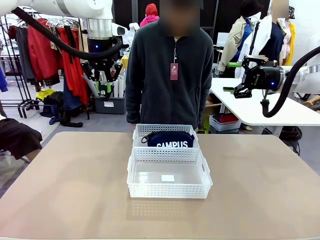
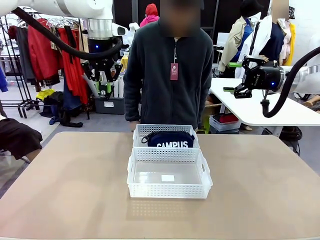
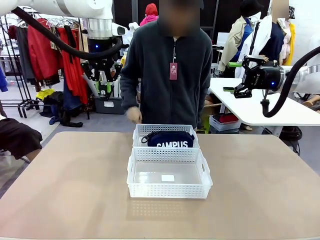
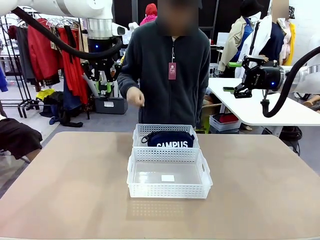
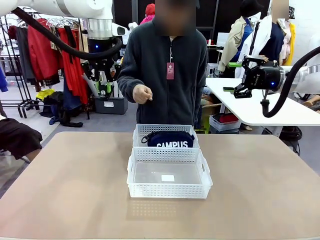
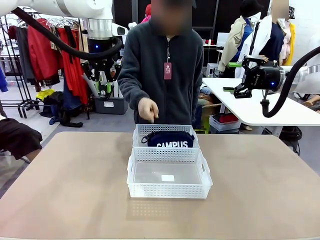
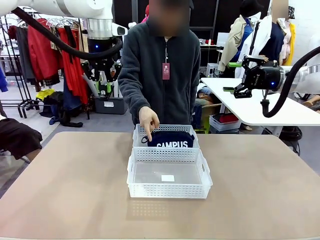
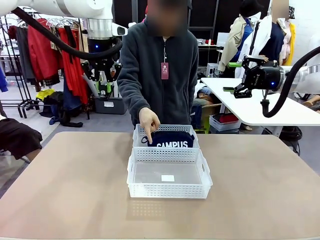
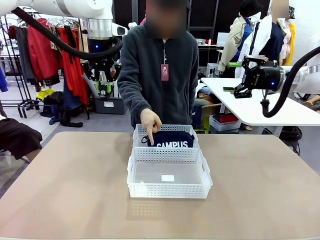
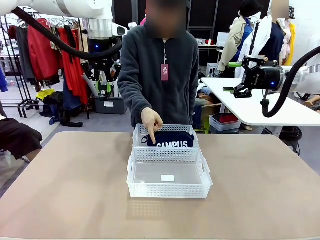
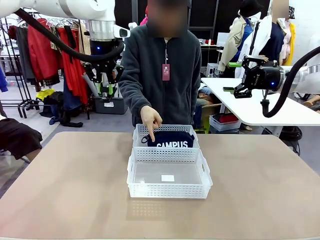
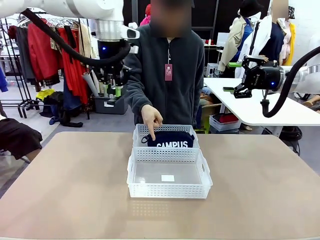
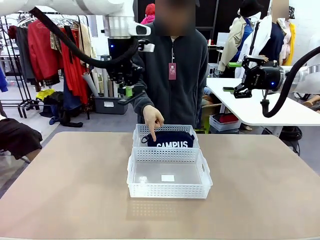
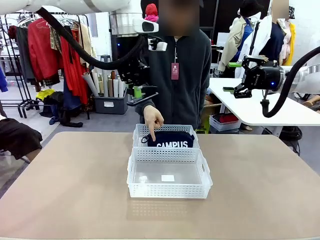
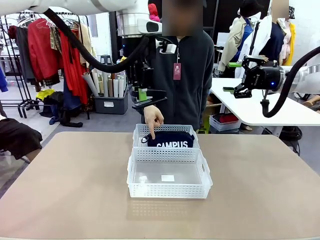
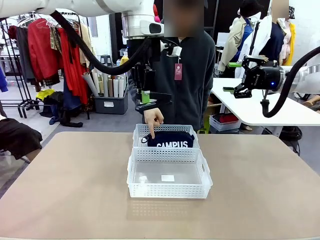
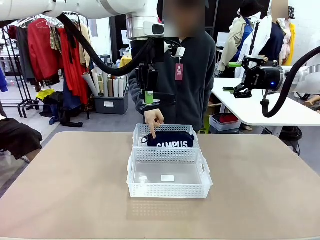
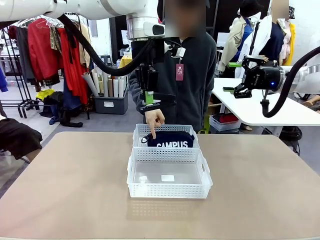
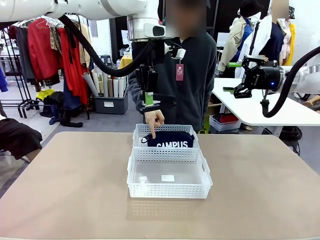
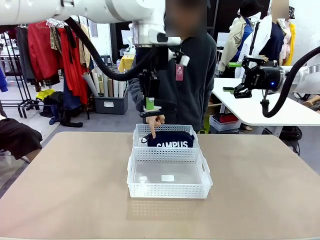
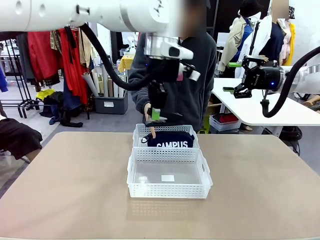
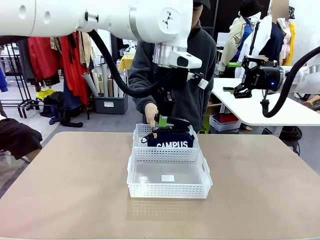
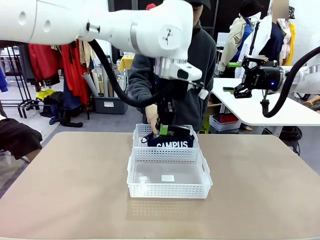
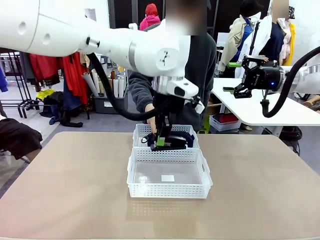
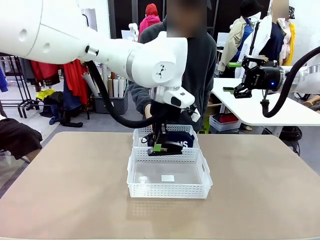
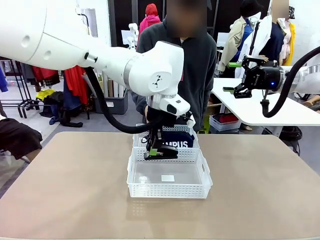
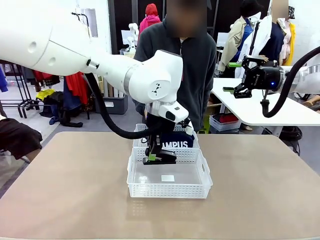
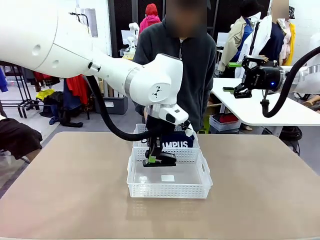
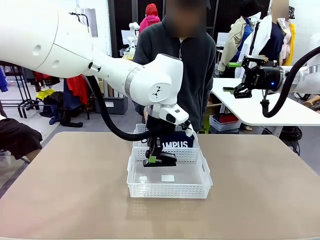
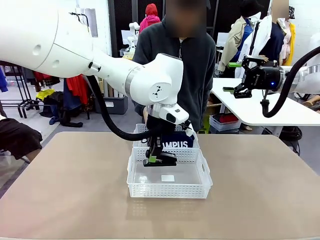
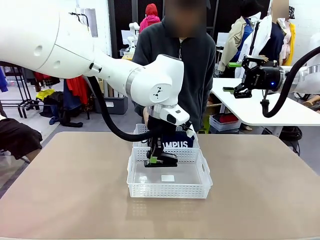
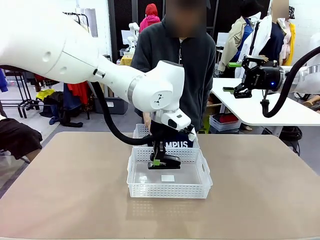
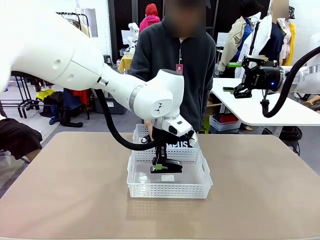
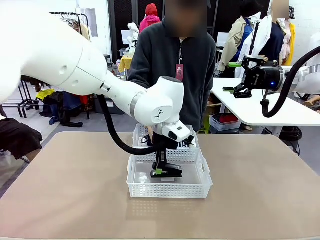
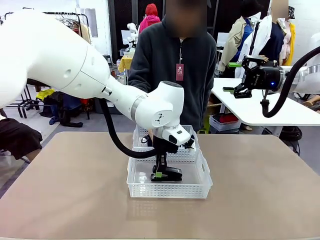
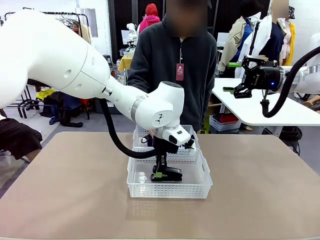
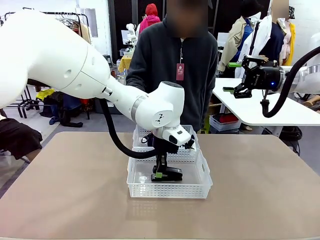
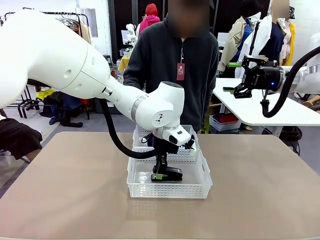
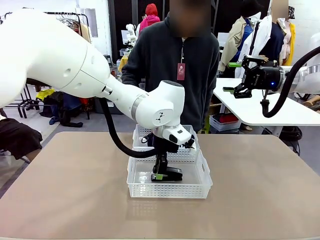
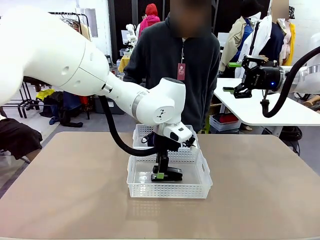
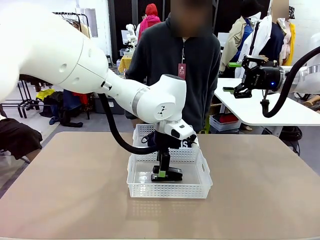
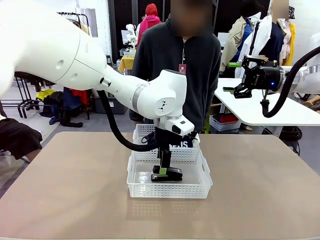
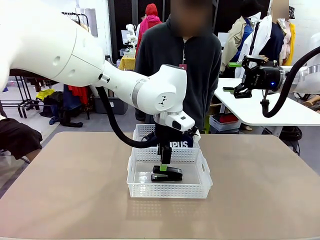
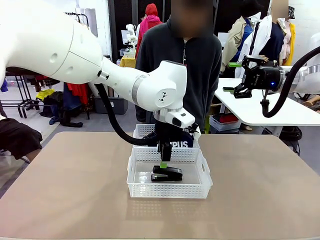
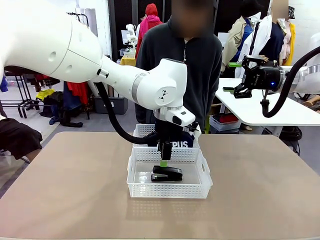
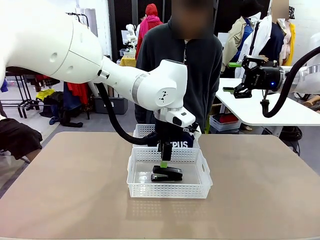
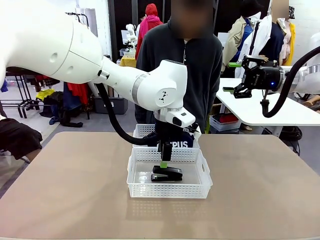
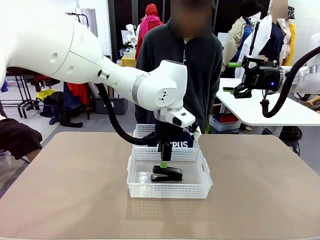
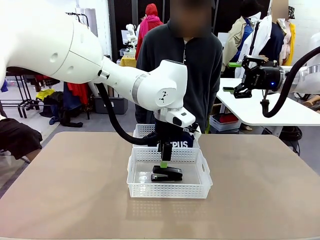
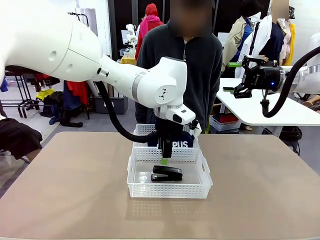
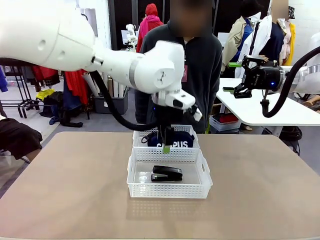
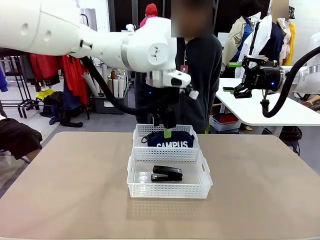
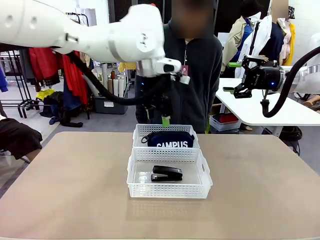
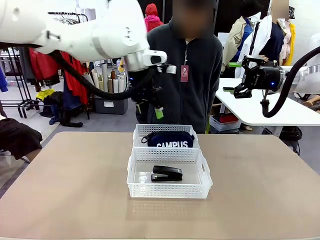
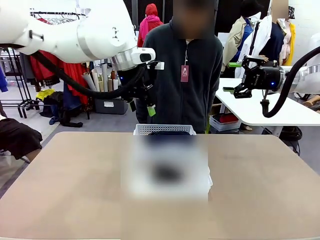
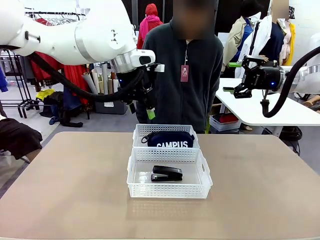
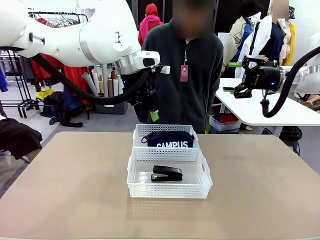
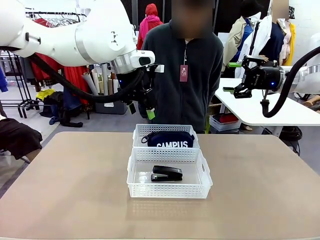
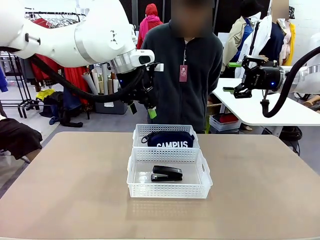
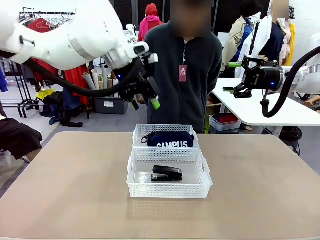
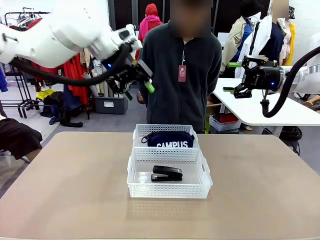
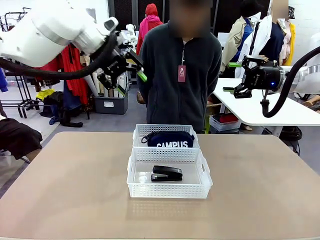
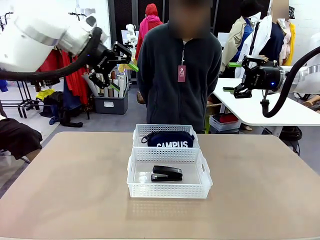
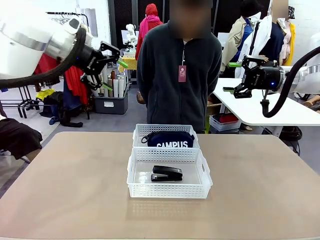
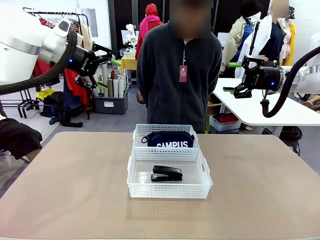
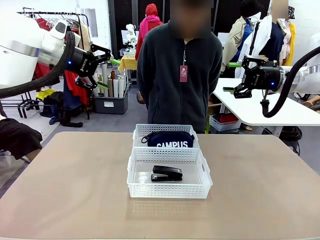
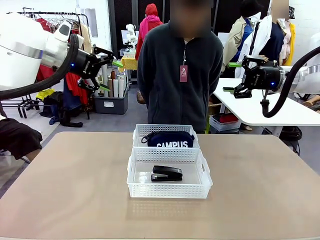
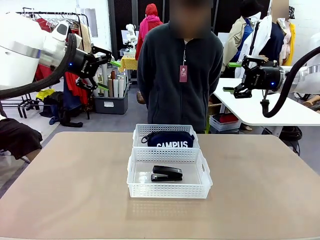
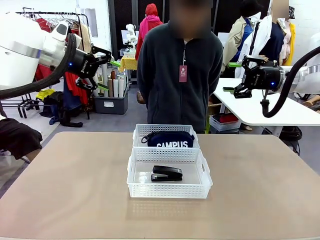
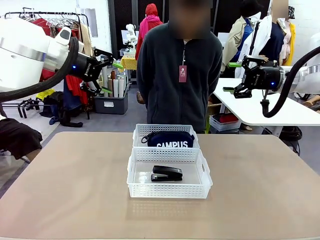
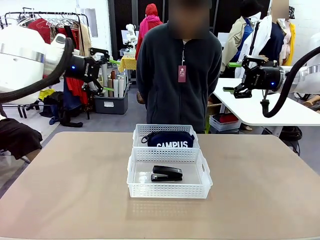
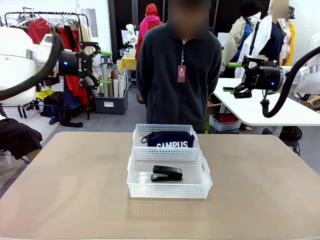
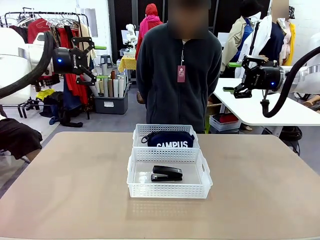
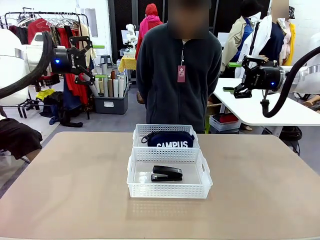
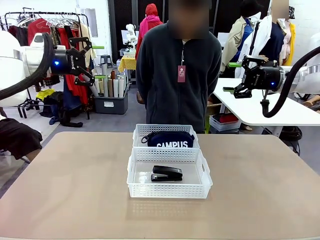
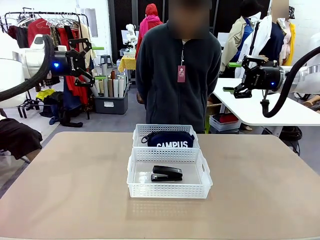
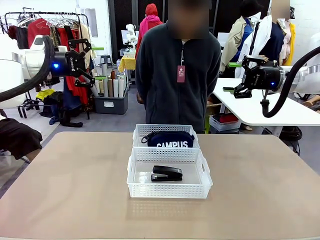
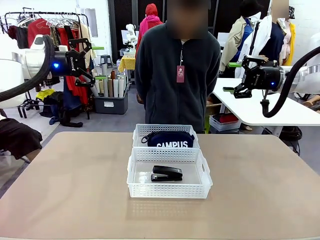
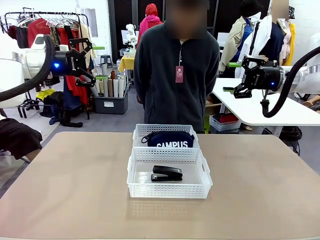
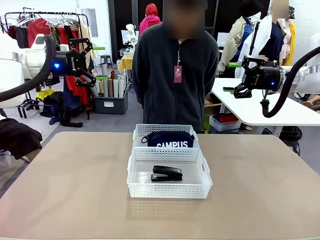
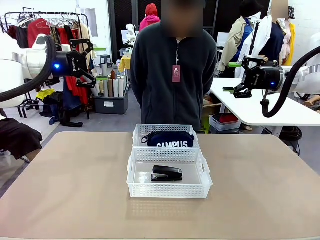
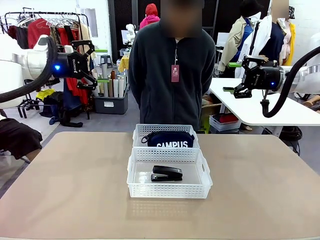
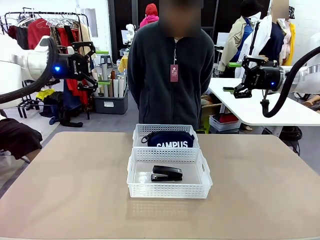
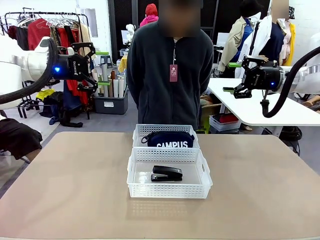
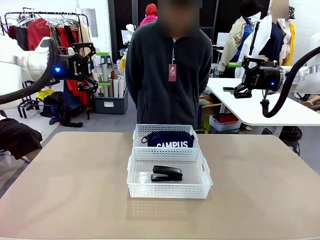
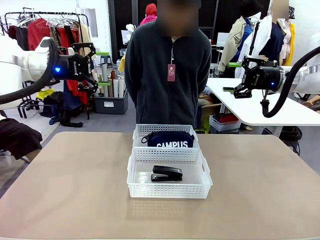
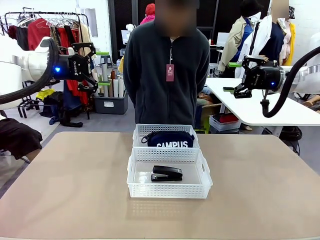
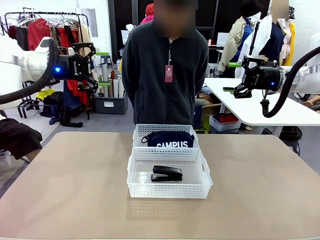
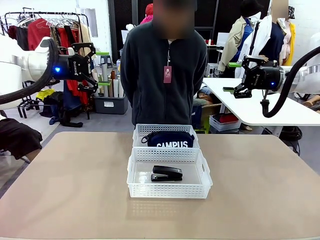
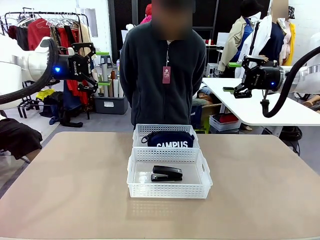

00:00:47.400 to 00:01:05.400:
Task: Distribute items into two baskets.
Robot: Place the picked Stapler into the Organizing basket as instructed by the person.
Person: Points to the basket that does not contain the pencil case and instructs the robot to move the stapler there.
